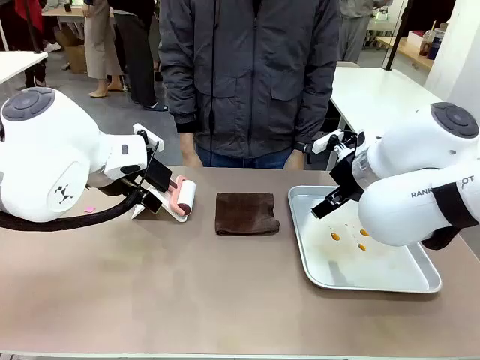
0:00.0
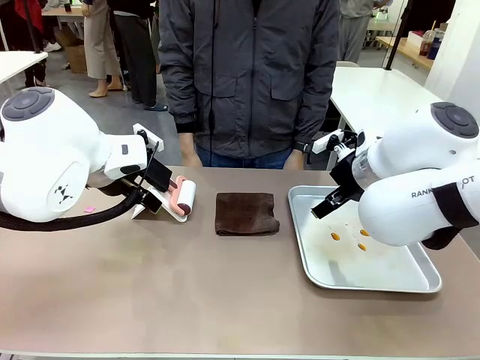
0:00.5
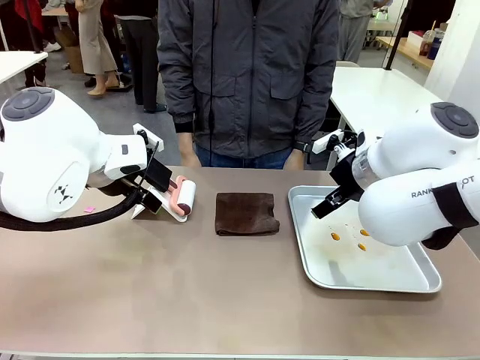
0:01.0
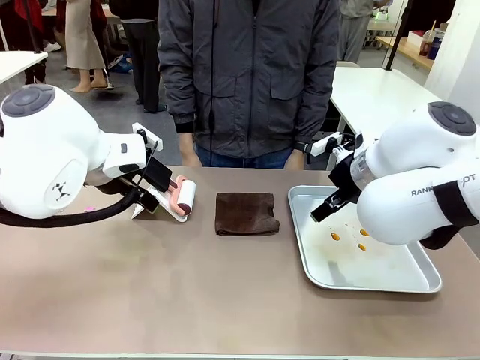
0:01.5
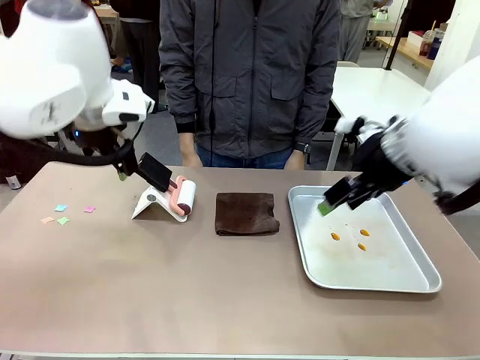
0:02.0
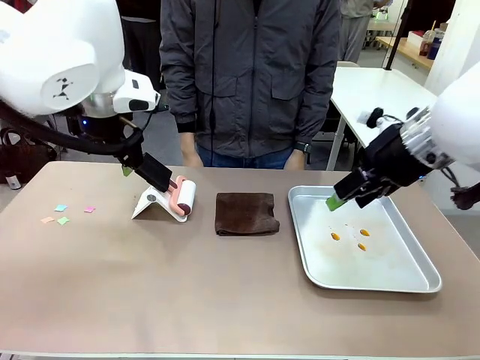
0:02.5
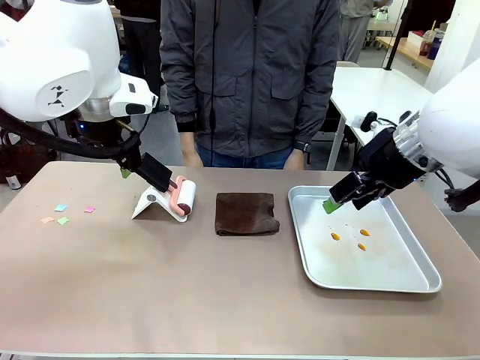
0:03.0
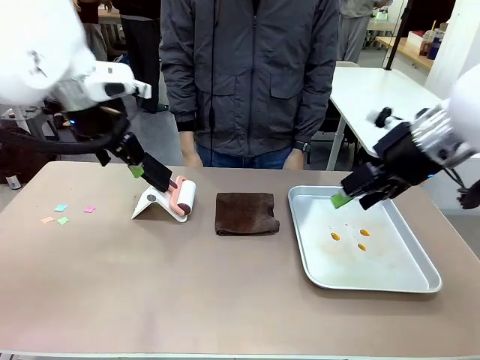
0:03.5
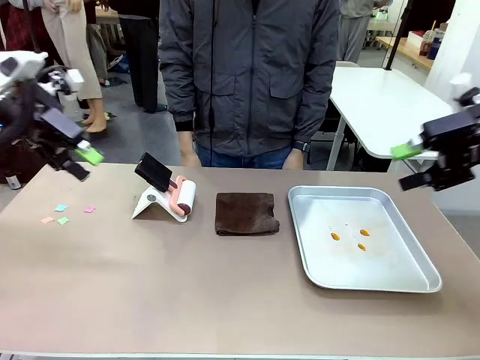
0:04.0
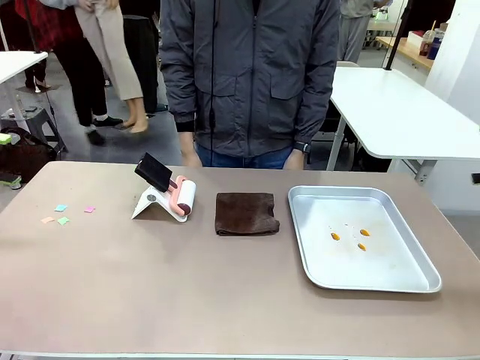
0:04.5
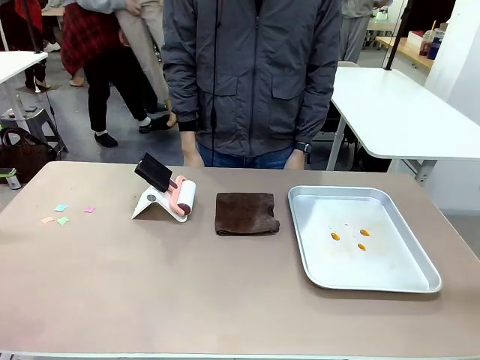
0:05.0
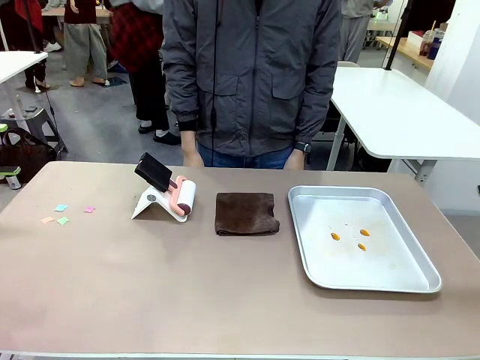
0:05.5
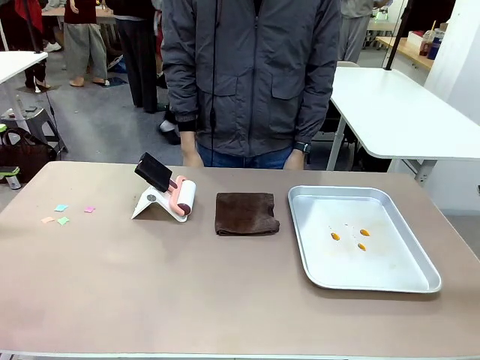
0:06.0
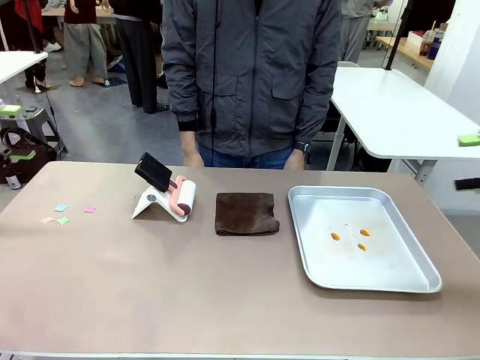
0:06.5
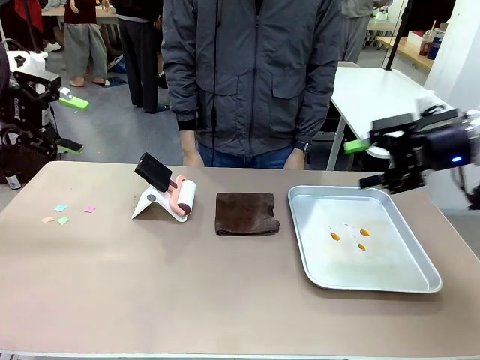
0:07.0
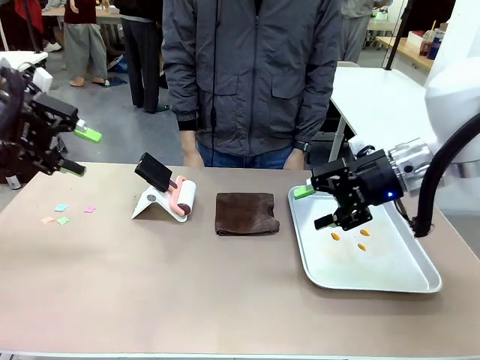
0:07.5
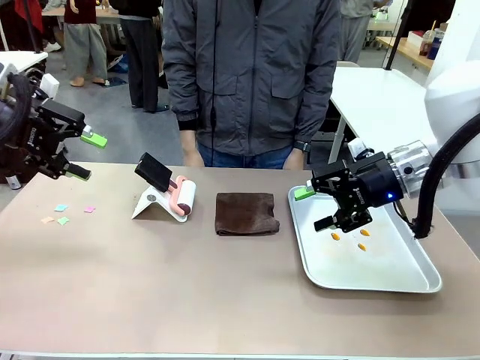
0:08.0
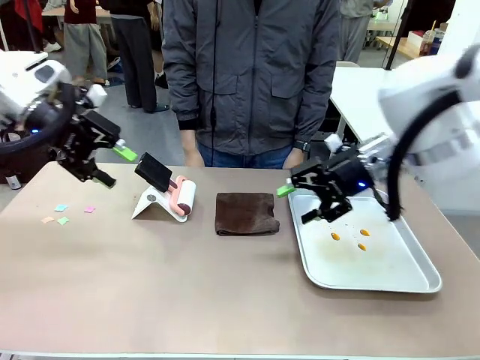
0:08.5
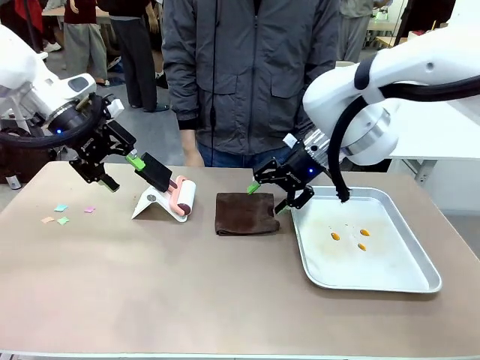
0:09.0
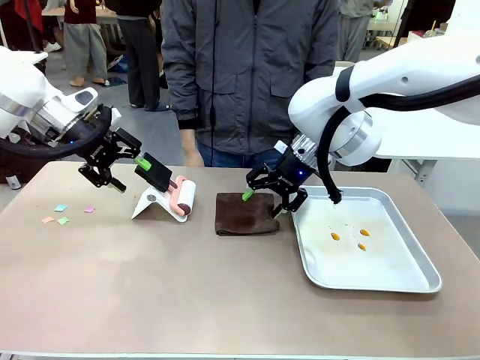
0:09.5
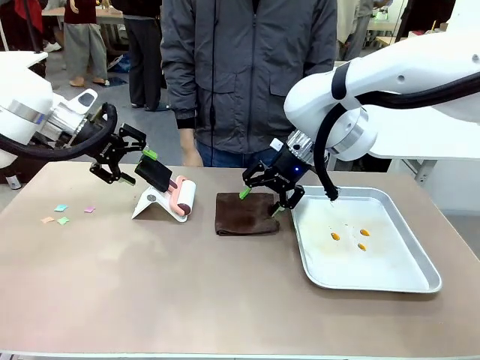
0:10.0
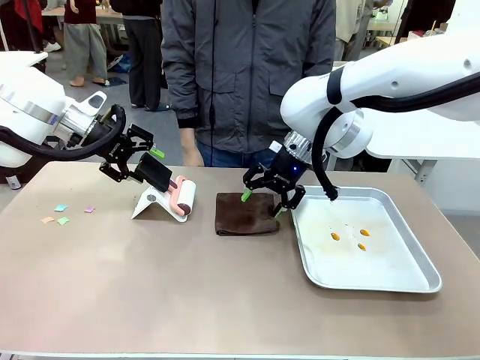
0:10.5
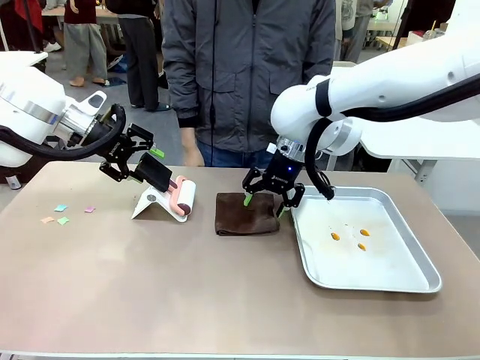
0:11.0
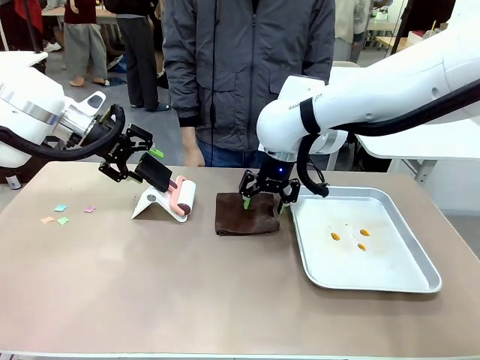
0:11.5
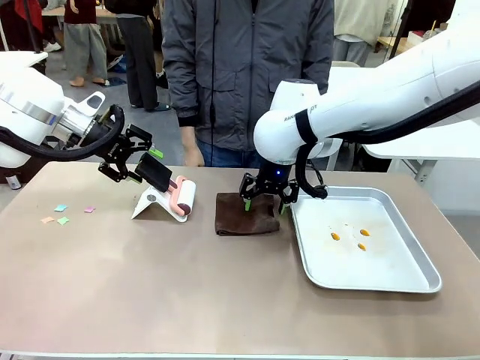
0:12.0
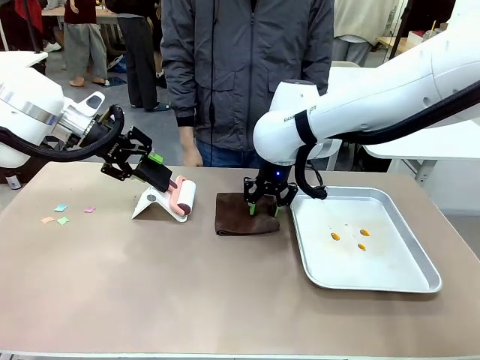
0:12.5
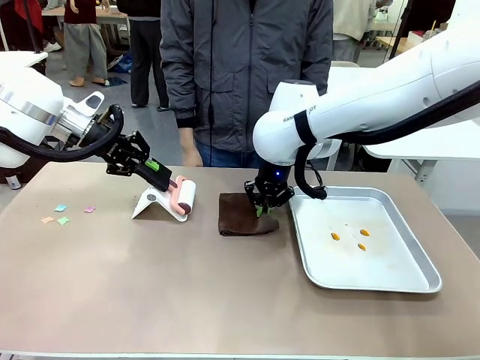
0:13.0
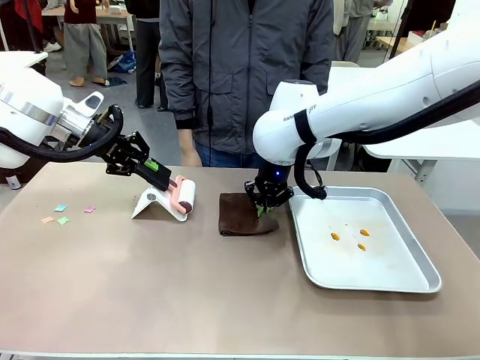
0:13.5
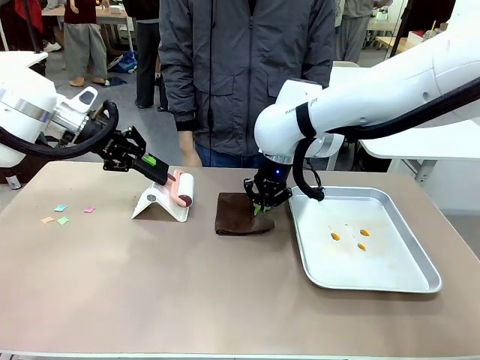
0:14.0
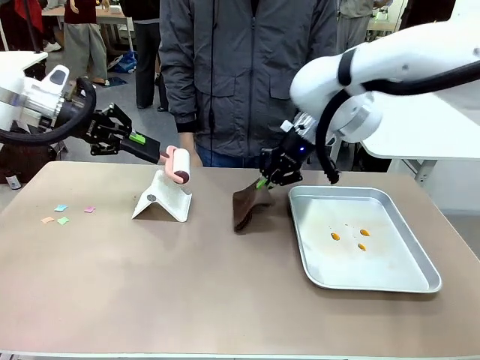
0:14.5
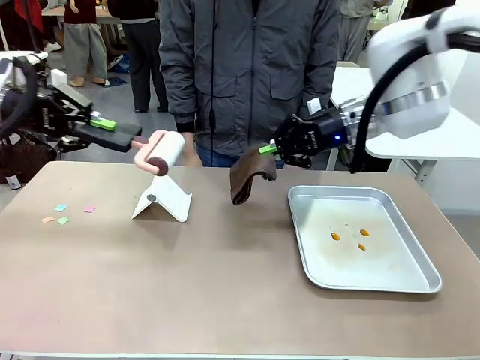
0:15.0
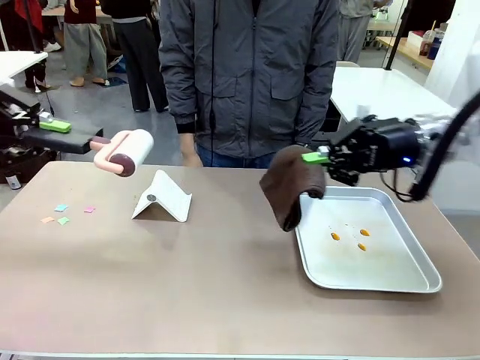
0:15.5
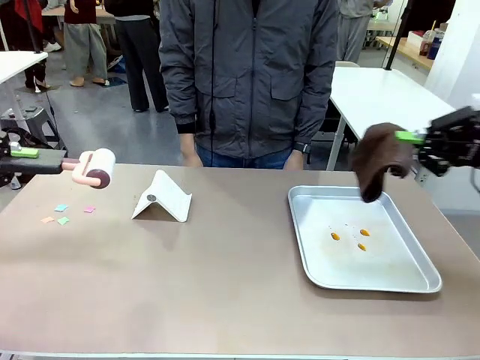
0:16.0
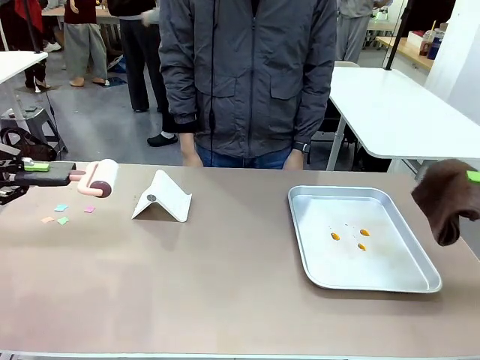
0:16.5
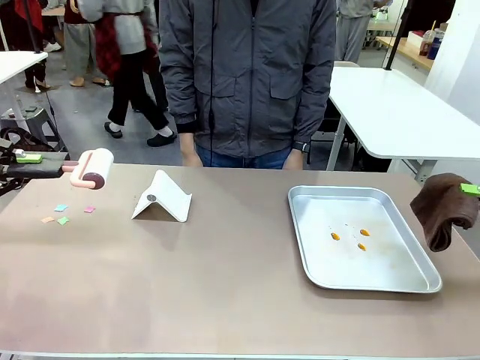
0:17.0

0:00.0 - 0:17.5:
Task: Clean the surface of the table.
Robot: Hold the Lint Roller with your left hand and the towel with your right hand.

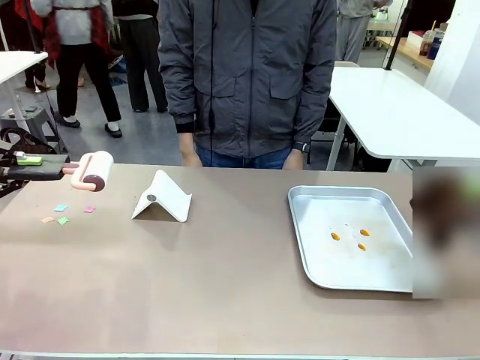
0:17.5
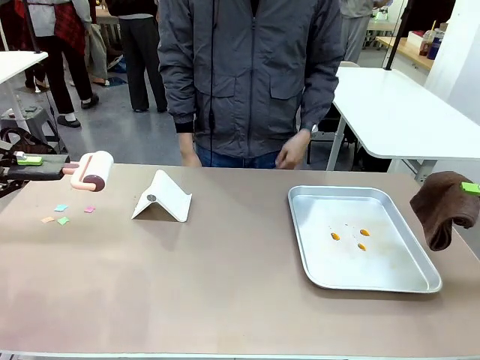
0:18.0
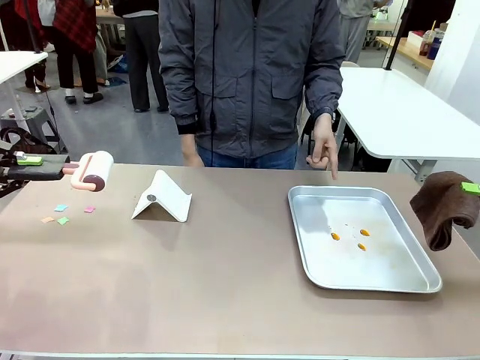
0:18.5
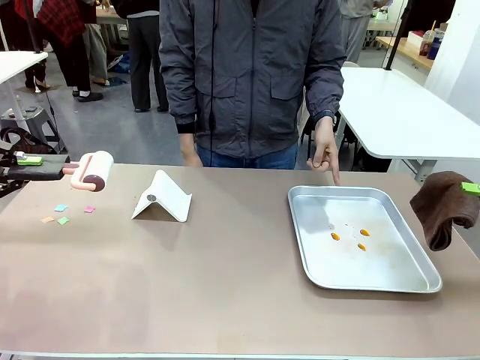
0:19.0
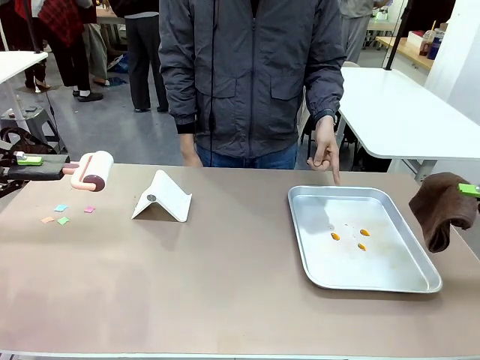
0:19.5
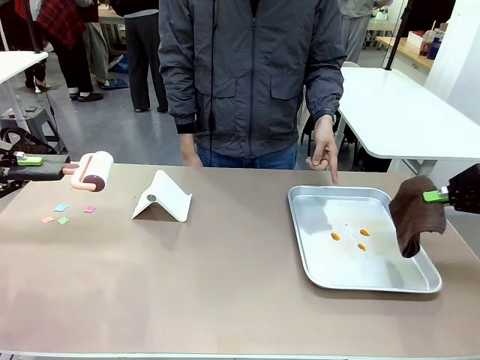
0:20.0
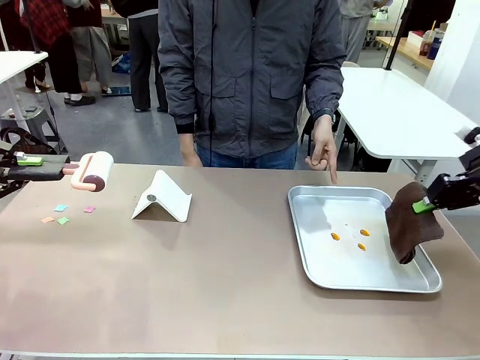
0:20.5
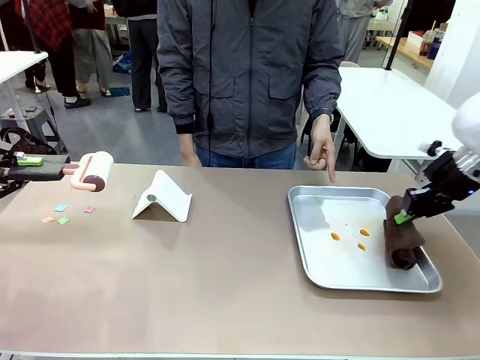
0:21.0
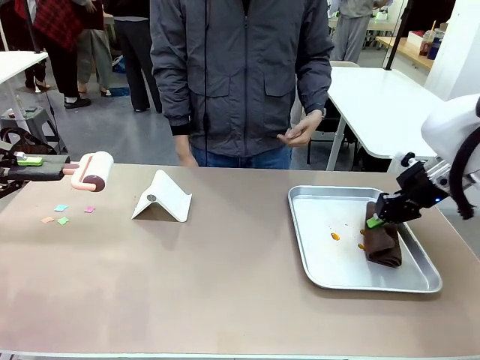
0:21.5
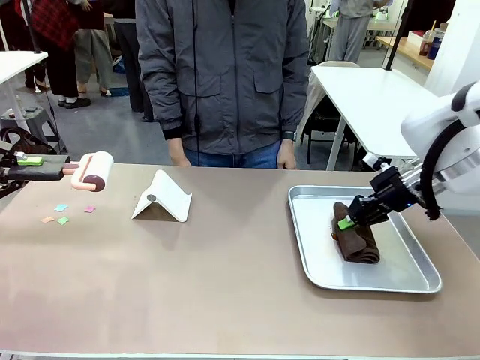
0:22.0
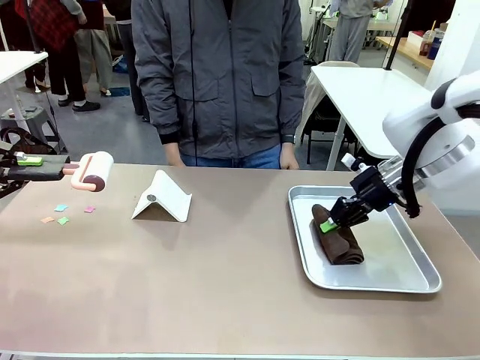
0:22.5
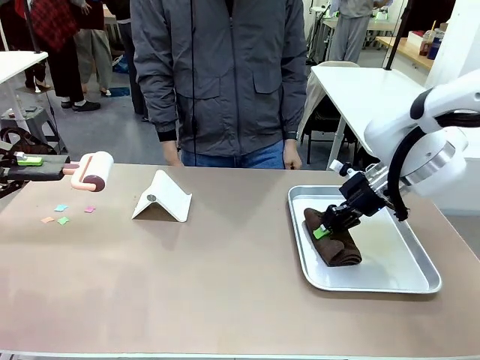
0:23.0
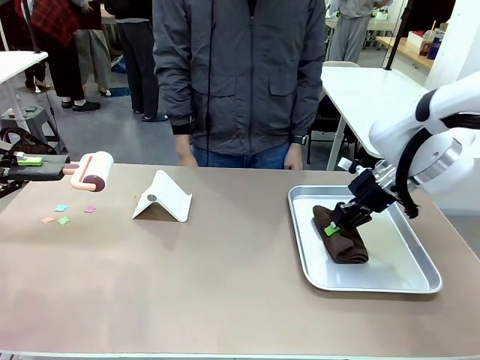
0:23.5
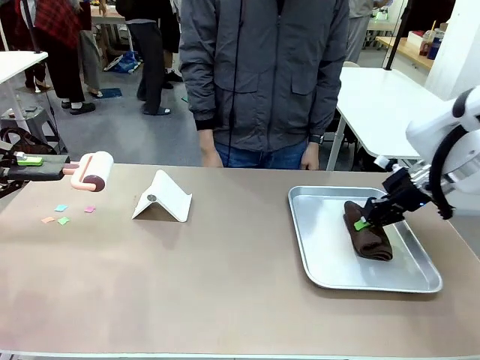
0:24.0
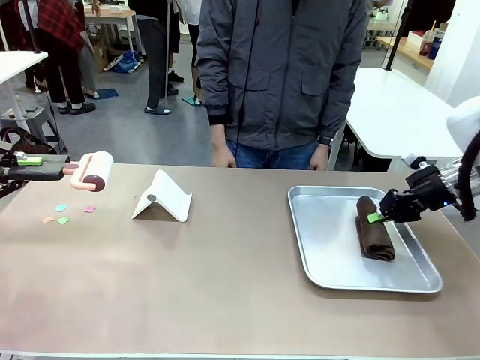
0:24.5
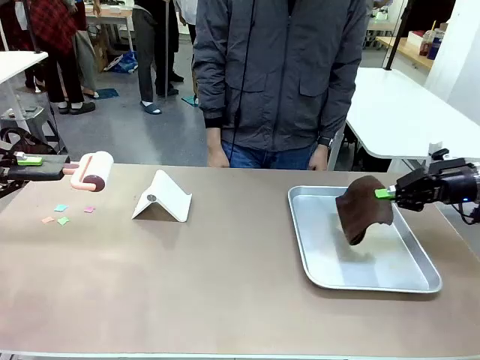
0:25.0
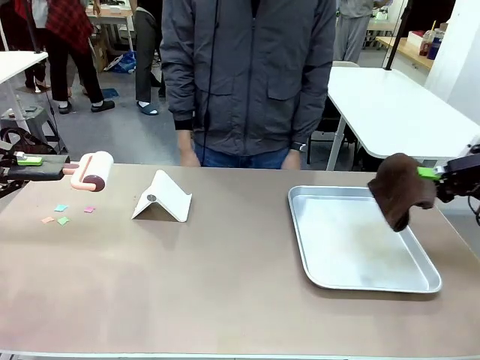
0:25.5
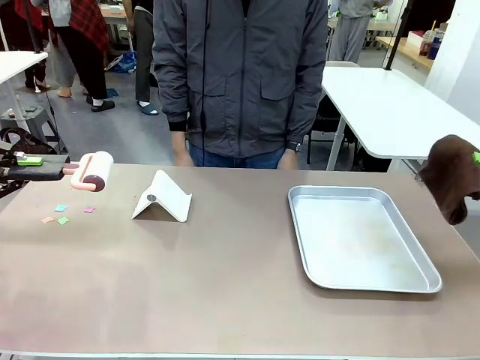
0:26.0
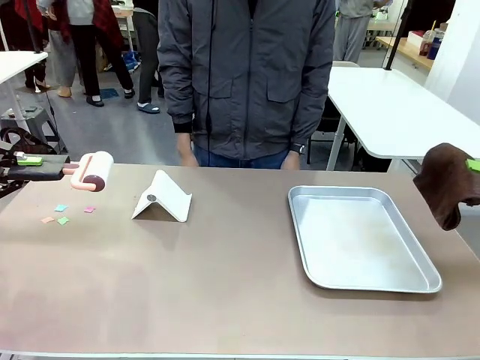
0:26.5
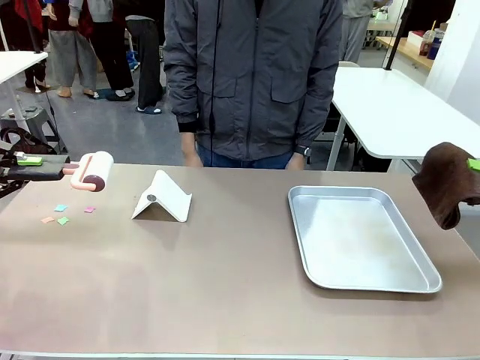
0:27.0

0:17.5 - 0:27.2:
Robot: If a person points to the right, clean the right side of the table with your right hand, and if they point to the left, clean the left side with your left hand.
